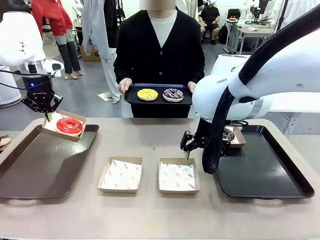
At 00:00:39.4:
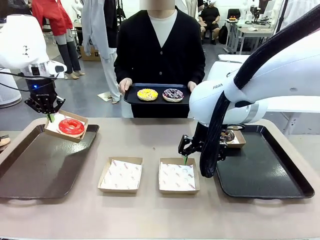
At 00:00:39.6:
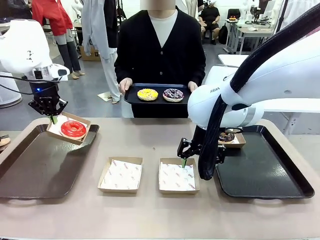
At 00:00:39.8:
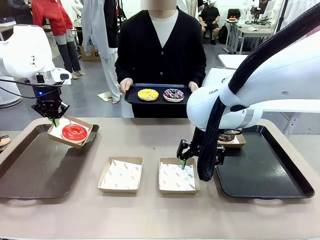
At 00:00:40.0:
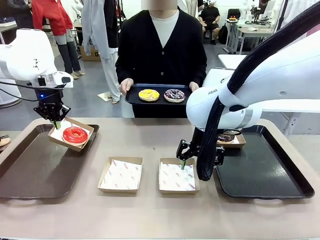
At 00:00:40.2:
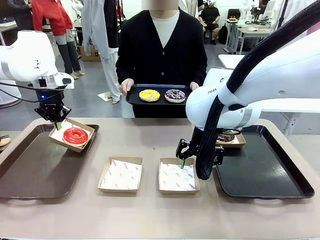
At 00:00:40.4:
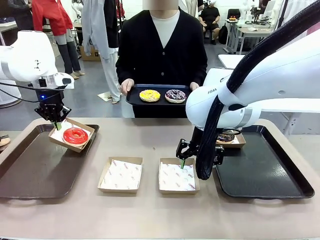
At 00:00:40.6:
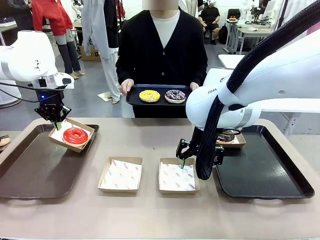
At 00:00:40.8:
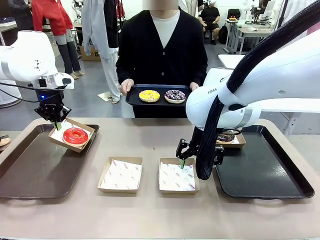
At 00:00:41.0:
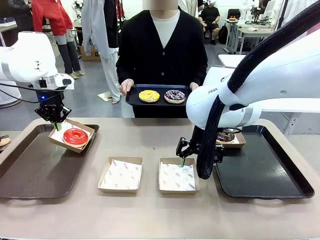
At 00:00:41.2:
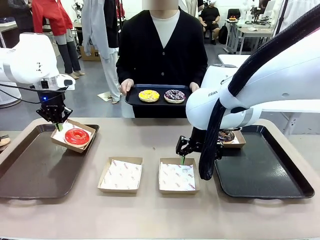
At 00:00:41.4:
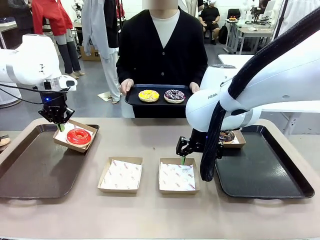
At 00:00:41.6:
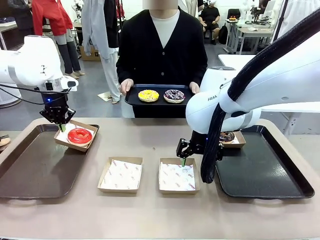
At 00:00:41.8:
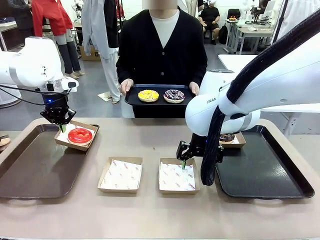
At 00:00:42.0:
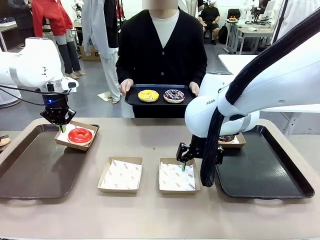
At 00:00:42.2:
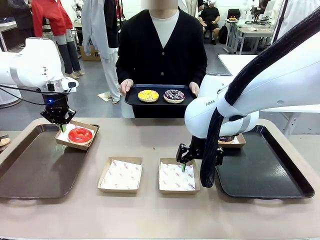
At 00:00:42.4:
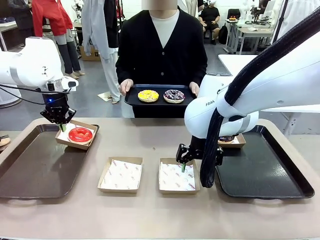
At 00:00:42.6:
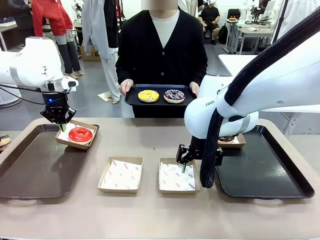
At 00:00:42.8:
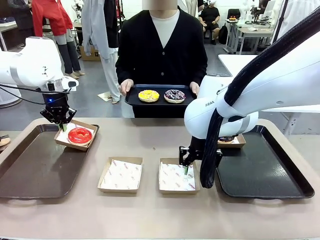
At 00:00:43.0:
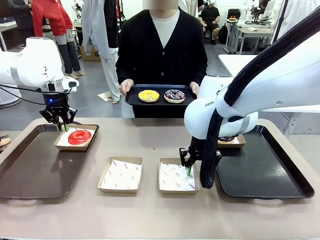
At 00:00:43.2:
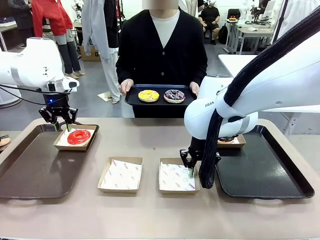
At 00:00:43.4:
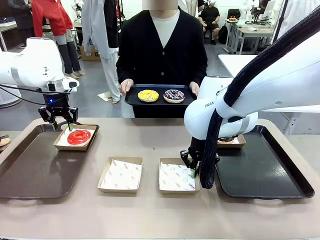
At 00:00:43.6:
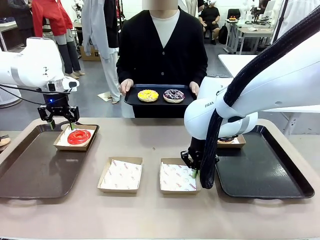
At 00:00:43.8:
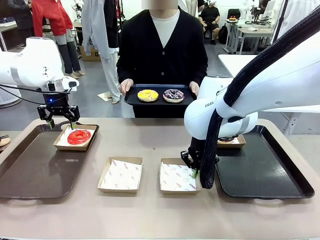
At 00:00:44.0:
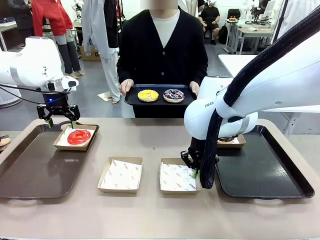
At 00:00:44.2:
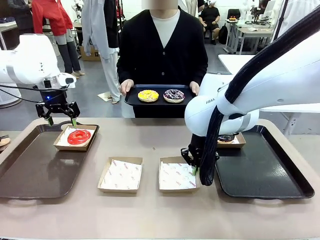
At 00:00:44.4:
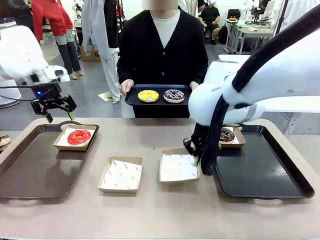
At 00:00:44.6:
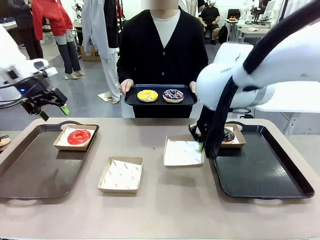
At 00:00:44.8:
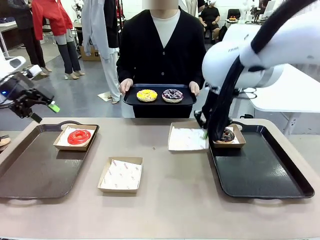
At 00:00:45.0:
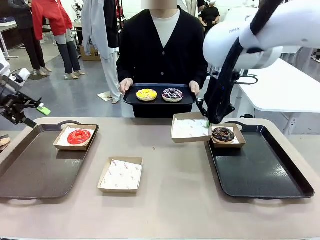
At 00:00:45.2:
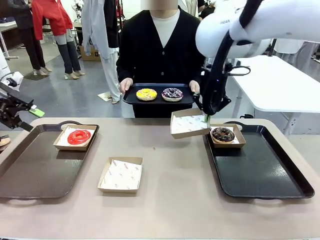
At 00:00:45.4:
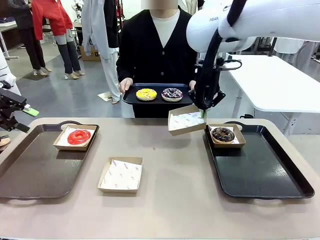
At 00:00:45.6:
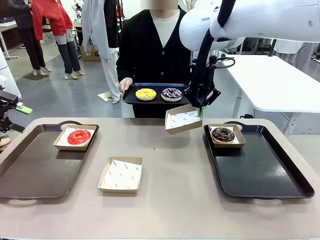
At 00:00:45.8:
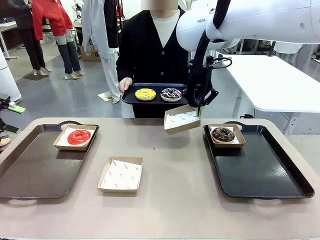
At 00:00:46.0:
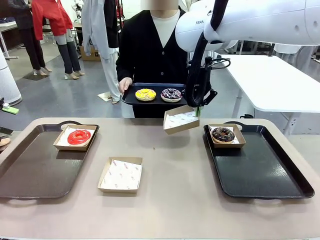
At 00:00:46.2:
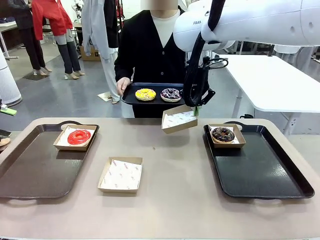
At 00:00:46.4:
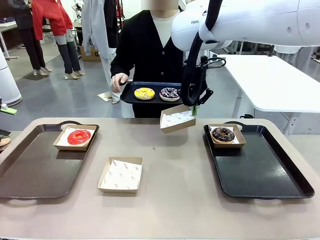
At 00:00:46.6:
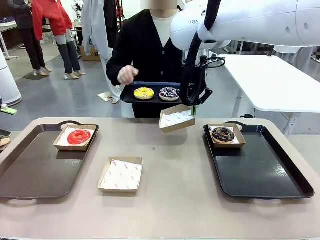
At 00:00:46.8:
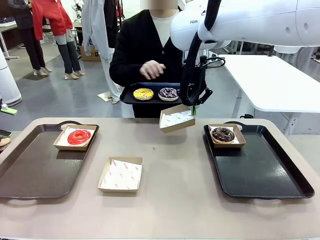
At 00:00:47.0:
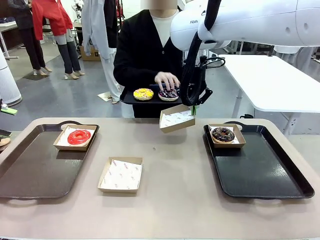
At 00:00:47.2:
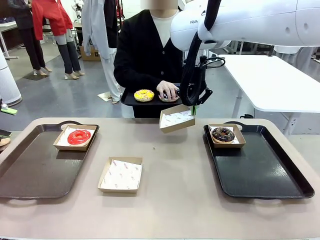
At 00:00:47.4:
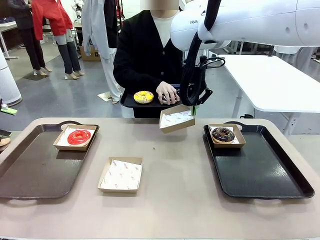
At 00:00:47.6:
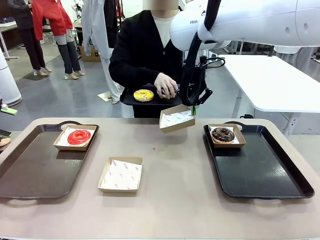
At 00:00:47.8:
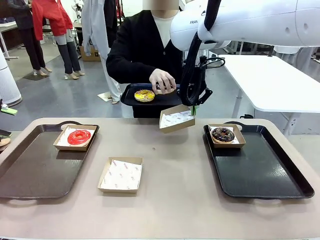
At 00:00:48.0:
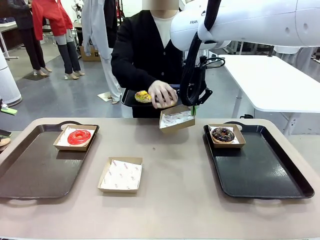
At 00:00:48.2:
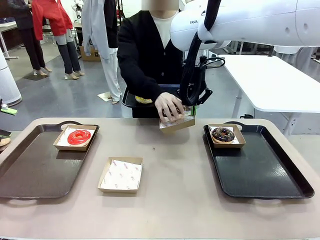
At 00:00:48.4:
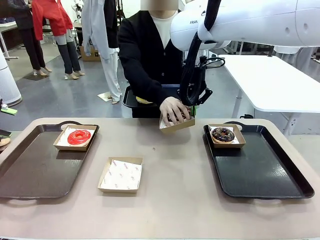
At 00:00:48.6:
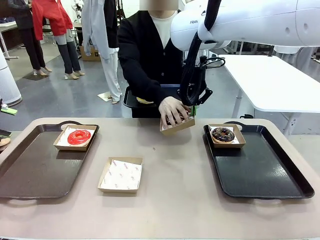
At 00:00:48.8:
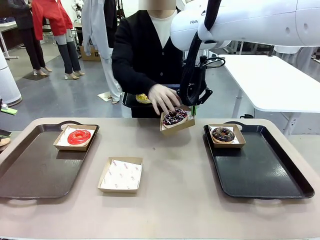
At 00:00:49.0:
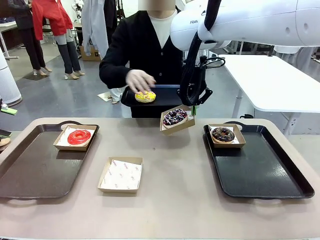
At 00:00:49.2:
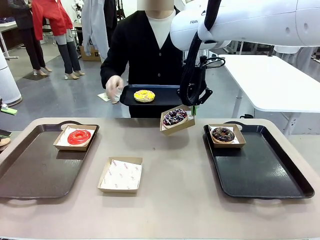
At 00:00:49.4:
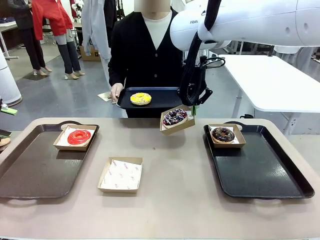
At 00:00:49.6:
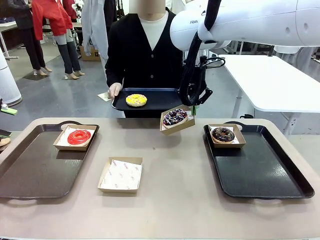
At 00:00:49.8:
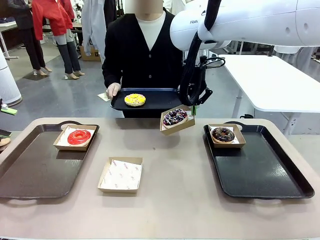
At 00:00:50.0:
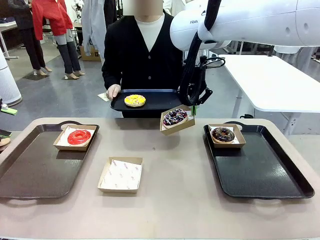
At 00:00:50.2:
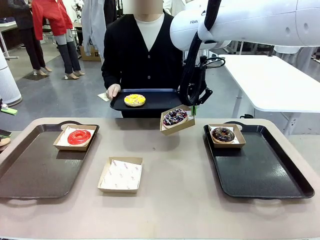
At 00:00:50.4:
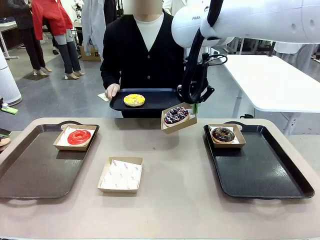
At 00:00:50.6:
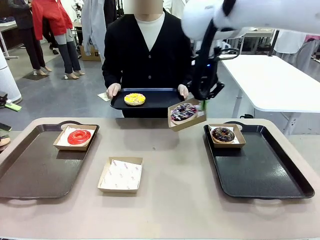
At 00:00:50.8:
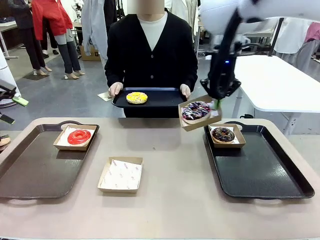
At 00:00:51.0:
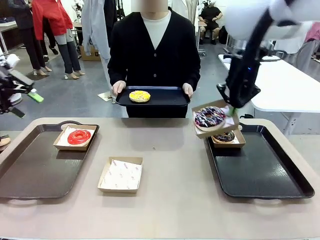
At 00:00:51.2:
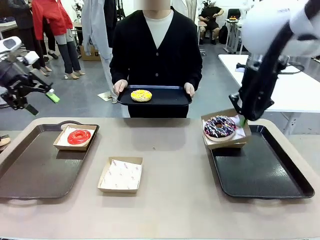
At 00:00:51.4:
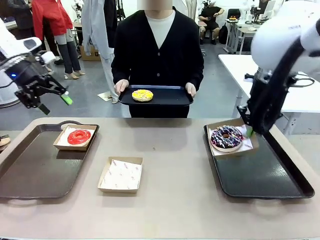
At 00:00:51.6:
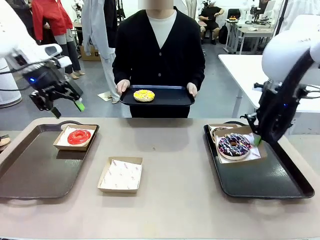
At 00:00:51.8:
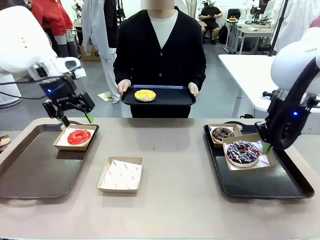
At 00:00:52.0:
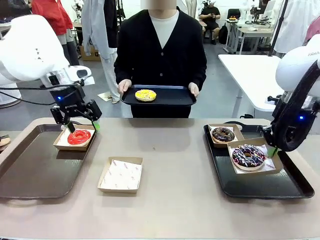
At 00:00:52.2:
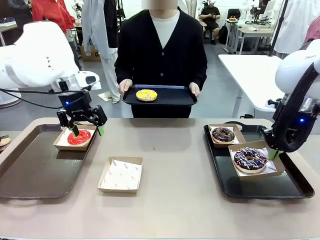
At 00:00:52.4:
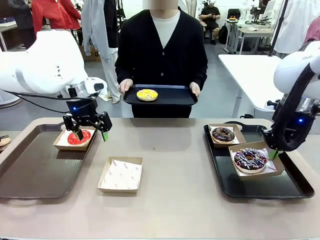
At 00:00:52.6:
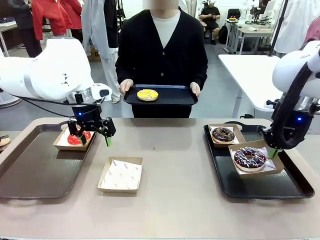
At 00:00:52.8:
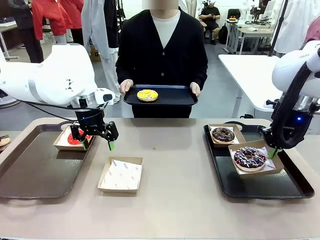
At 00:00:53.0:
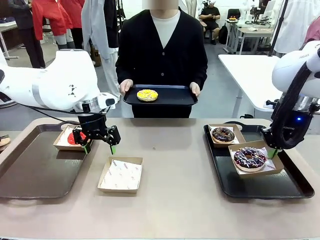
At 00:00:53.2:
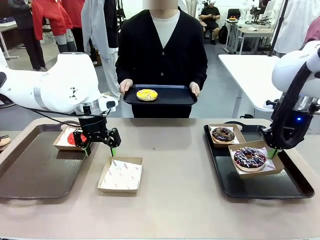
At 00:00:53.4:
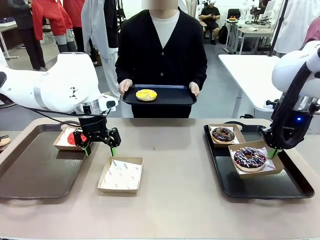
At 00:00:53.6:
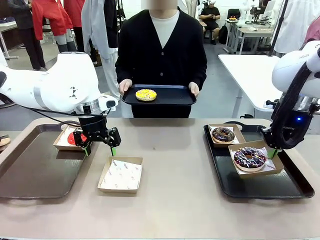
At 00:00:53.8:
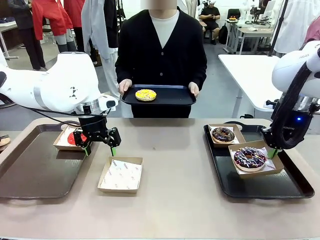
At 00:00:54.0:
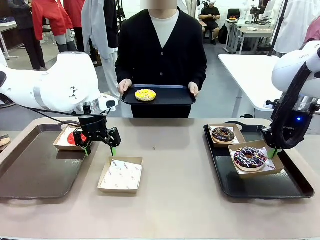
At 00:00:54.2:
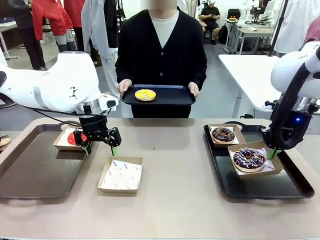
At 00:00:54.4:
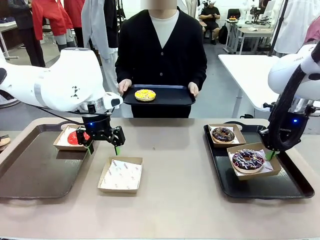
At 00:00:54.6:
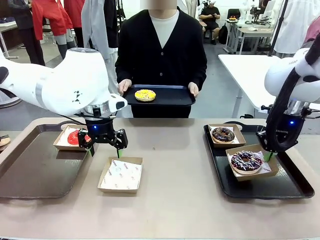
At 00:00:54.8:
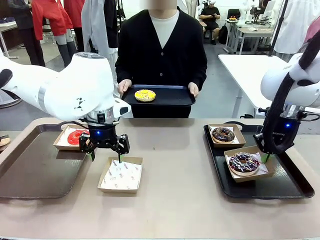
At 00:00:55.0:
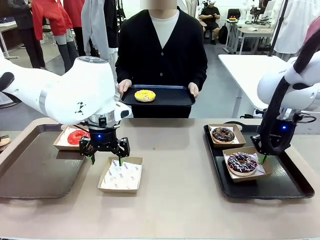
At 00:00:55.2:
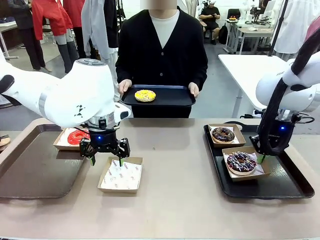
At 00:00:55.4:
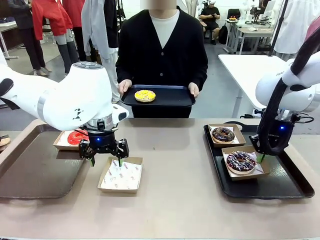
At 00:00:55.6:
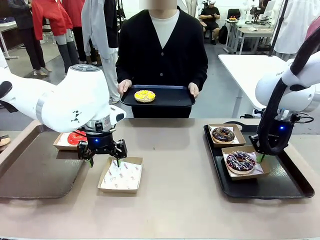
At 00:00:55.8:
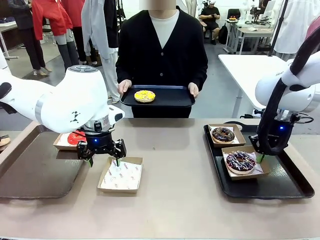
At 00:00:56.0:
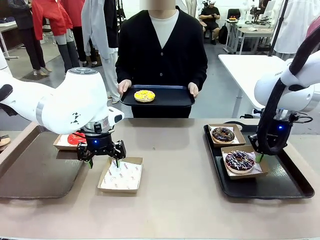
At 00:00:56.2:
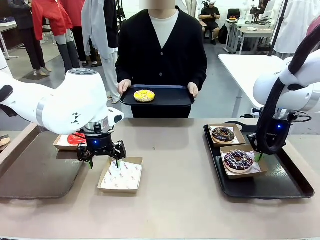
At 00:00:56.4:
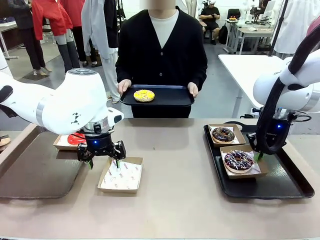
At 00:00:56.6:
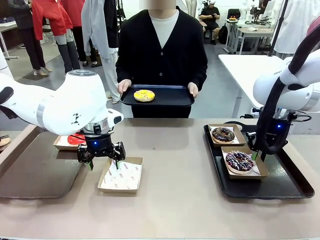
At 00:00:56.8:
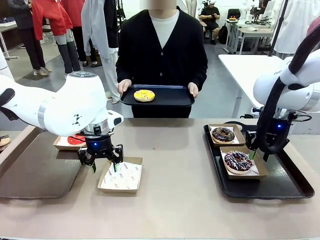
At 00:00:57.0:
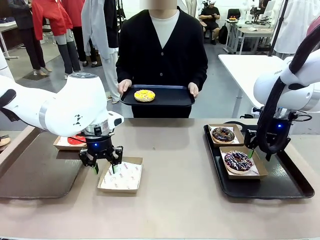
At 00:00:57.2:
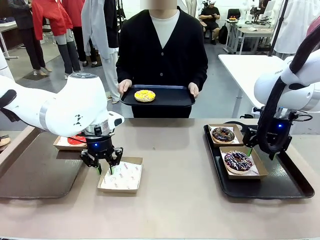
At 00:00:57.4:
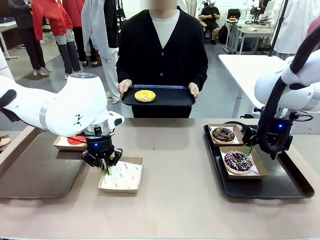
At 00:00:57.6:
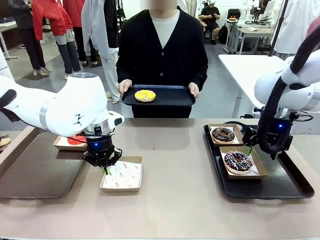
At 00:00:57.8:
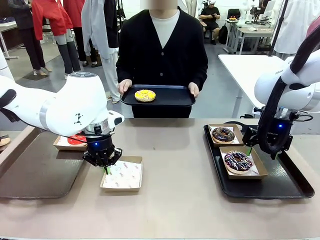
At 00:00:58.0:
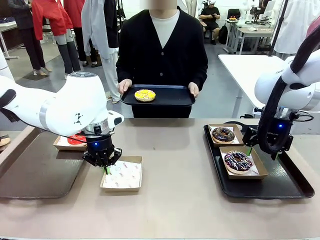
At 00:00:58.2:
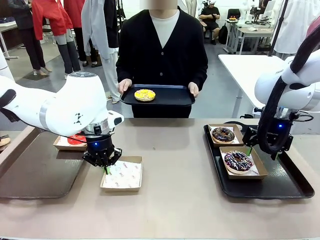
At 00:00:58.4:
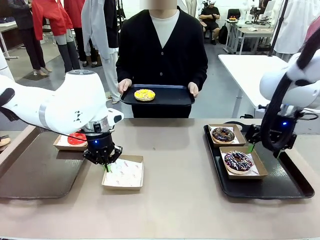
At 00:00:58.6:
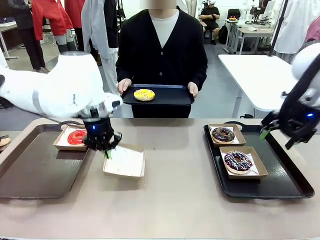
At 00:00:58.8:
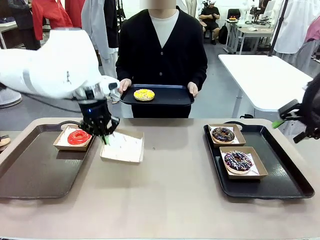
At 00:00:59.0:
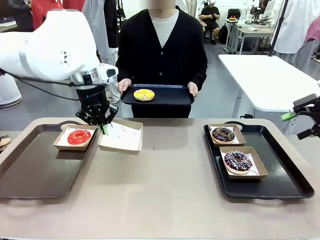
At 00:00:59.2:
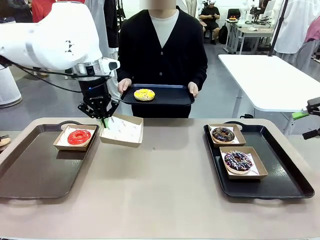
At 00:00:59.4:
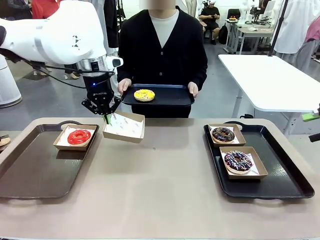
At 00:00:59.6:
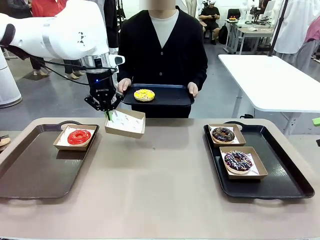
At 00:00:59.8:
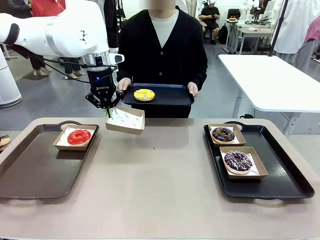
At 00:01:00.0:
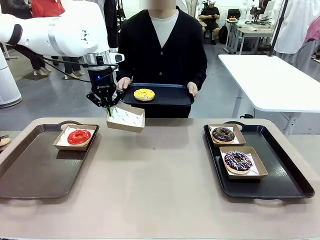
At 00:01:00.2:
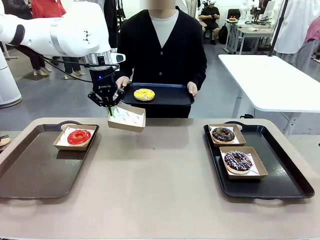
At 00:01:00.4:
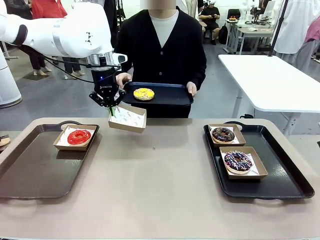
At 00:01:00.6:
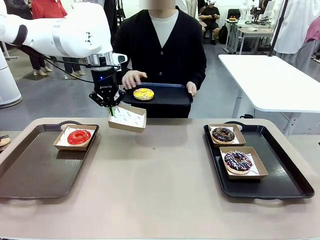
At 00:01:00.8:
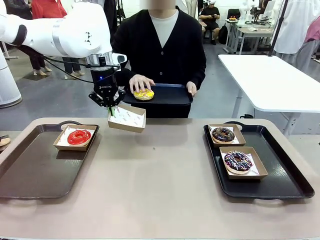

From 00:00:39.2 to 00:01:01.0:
Task: Individually package the donuts and arrange them on the tray.
Robot: Place the picked Paper togo box on the Handle tray while simultaneously picking up another Paper togo box from the table with the other hand.
